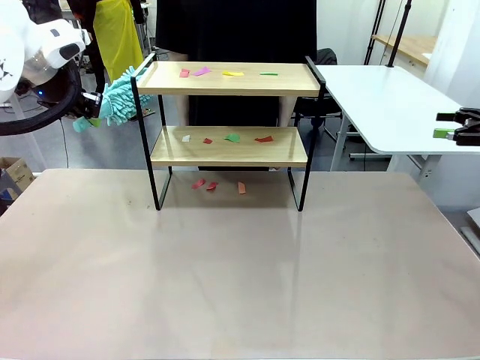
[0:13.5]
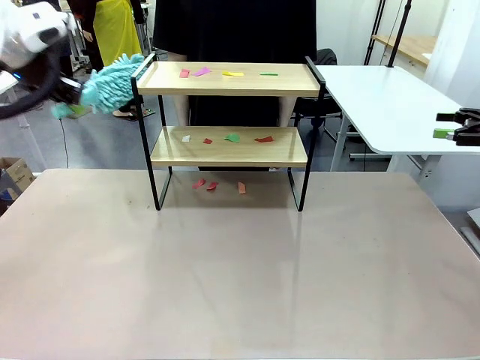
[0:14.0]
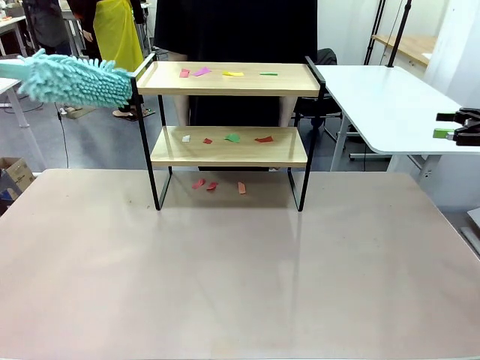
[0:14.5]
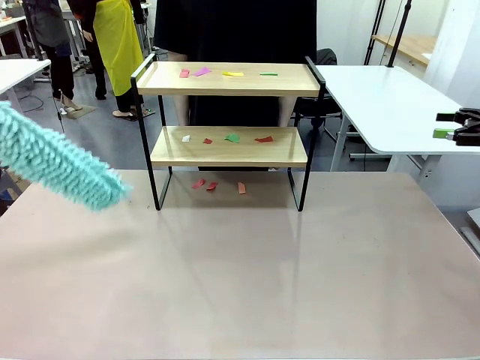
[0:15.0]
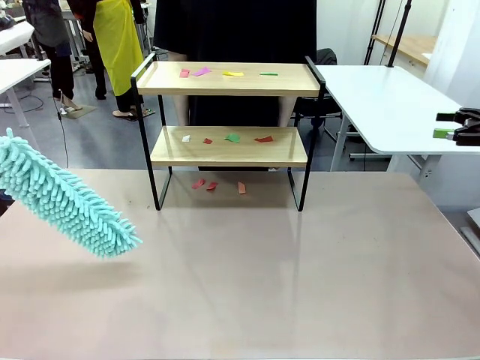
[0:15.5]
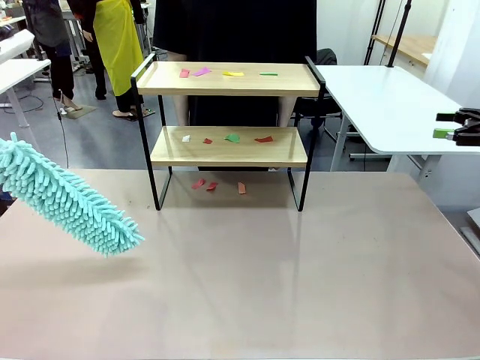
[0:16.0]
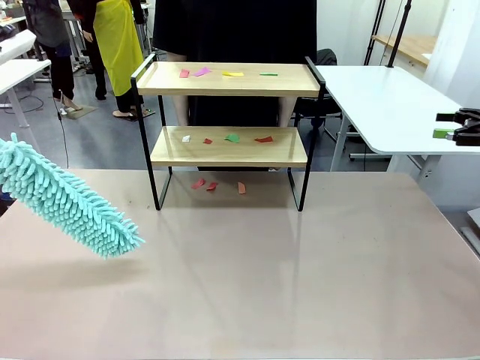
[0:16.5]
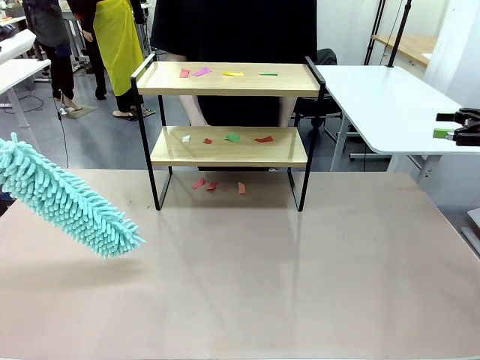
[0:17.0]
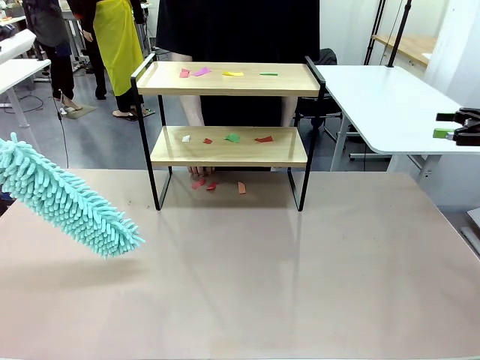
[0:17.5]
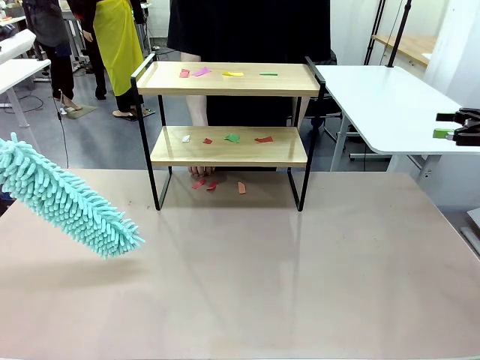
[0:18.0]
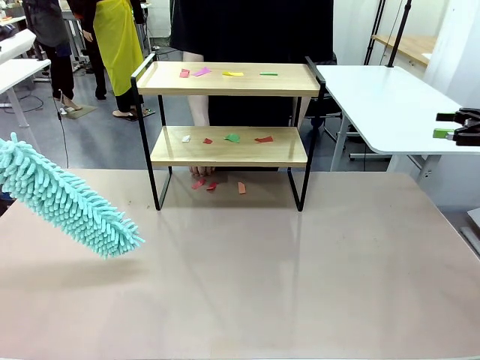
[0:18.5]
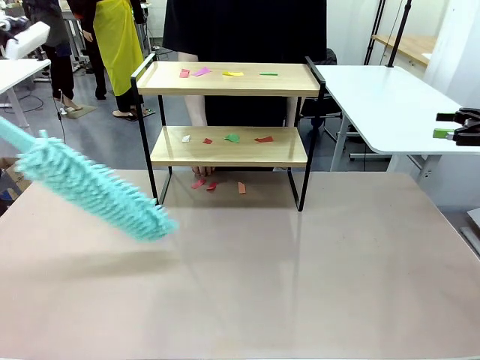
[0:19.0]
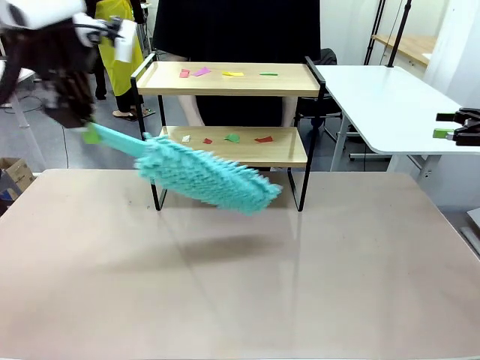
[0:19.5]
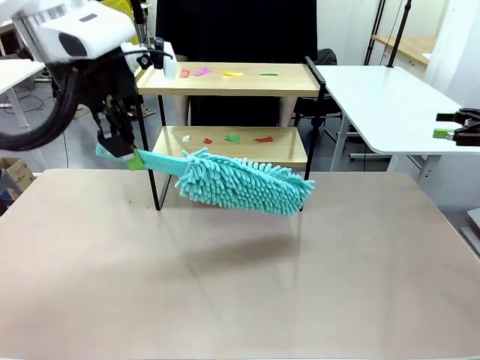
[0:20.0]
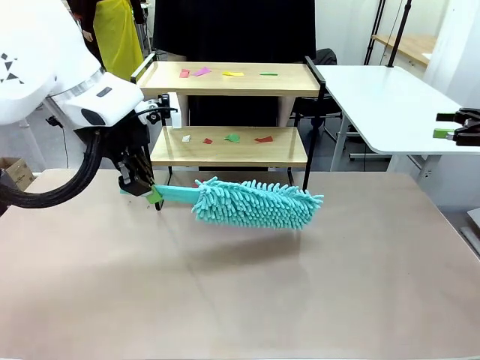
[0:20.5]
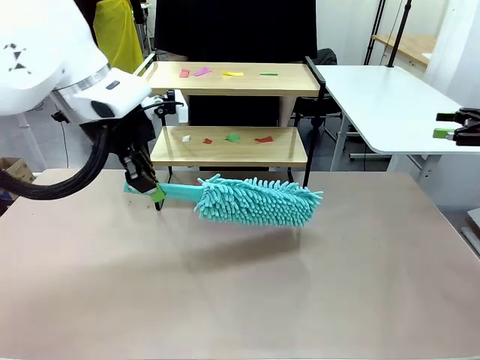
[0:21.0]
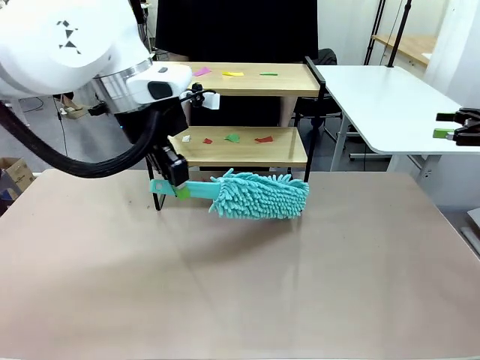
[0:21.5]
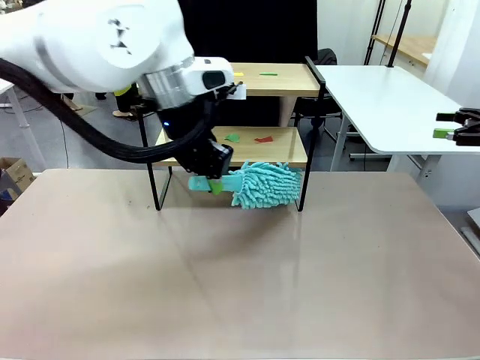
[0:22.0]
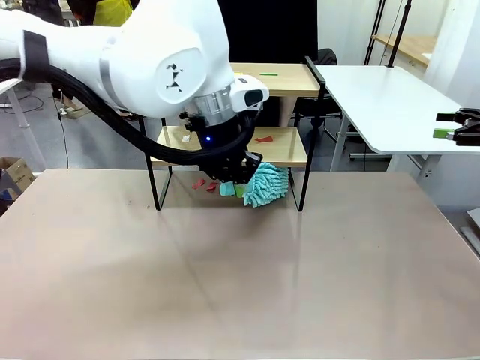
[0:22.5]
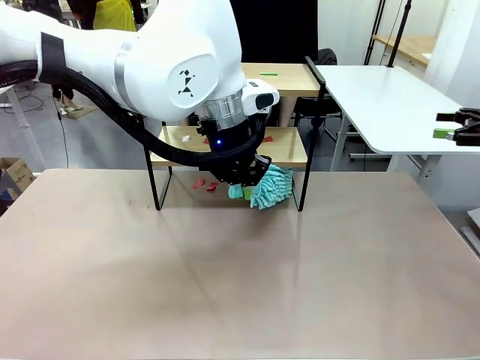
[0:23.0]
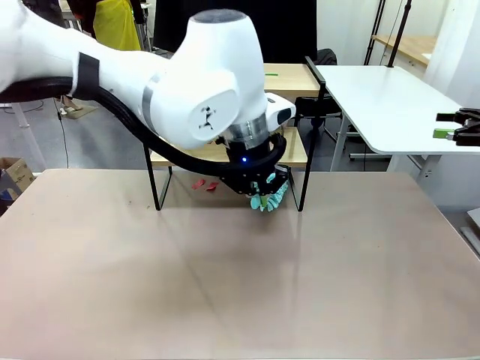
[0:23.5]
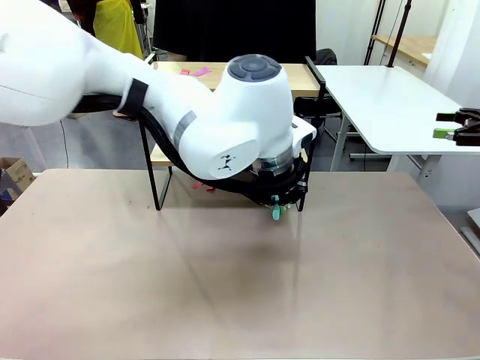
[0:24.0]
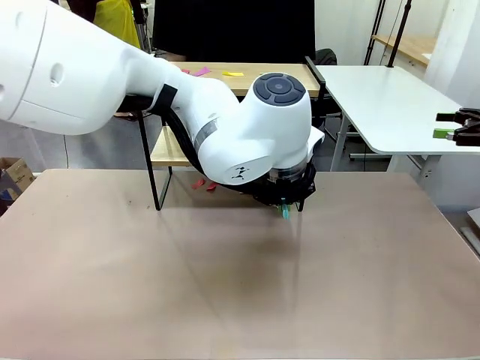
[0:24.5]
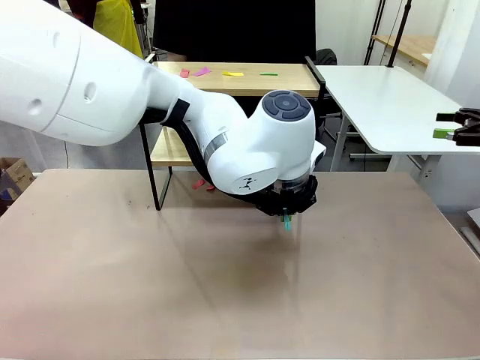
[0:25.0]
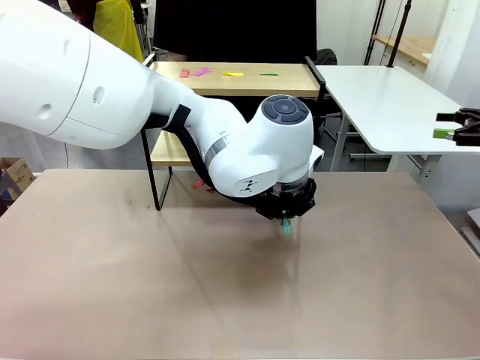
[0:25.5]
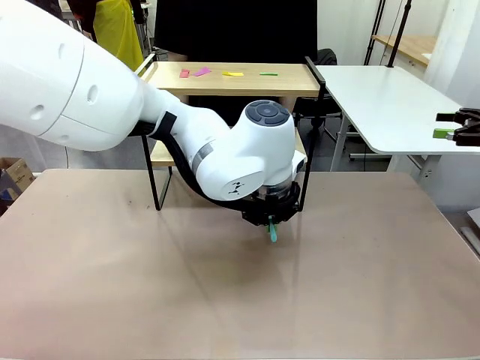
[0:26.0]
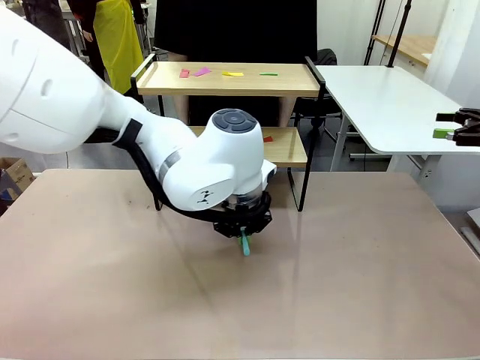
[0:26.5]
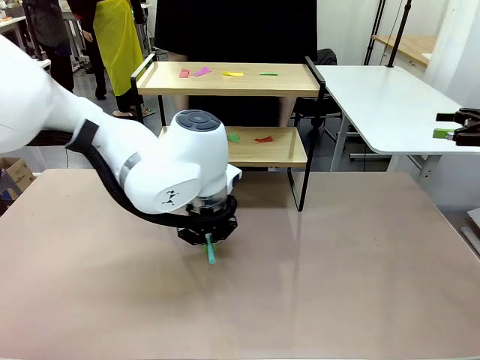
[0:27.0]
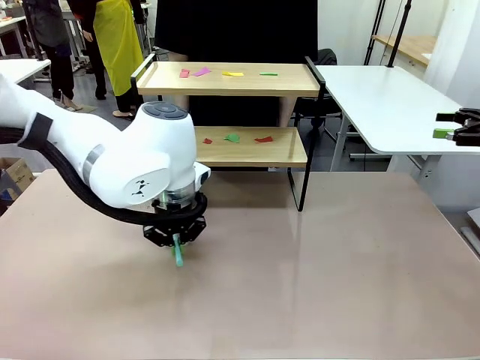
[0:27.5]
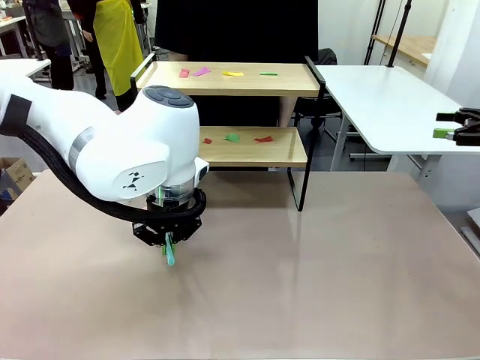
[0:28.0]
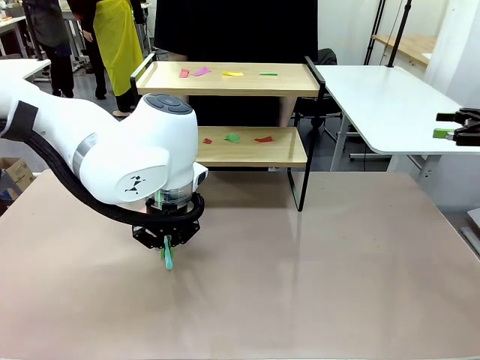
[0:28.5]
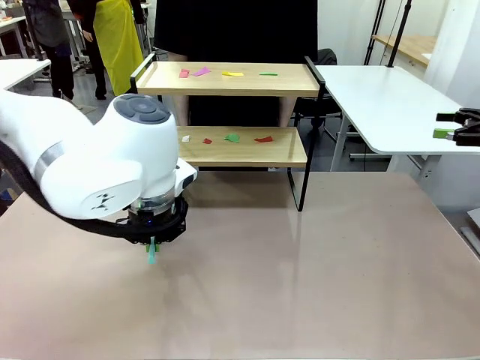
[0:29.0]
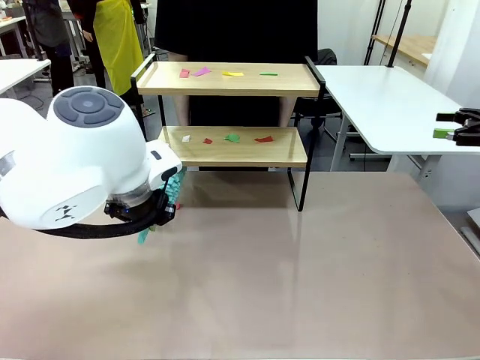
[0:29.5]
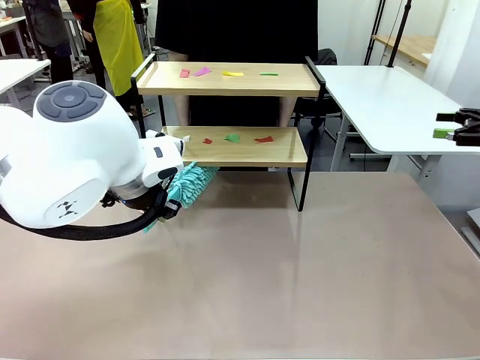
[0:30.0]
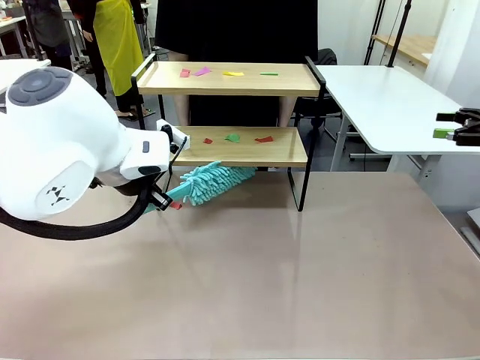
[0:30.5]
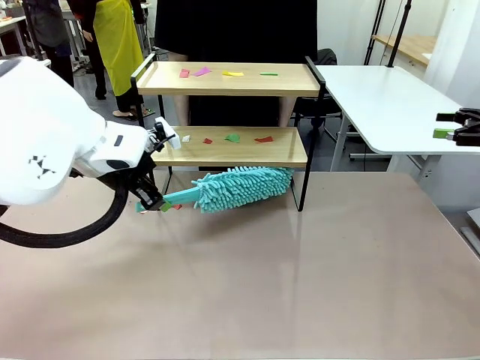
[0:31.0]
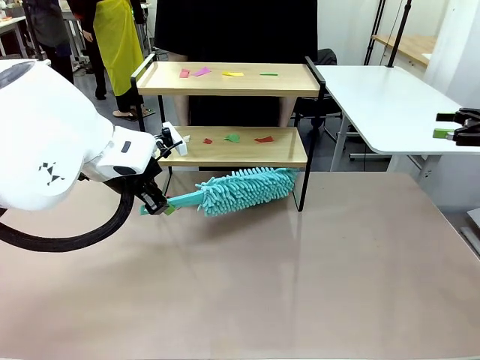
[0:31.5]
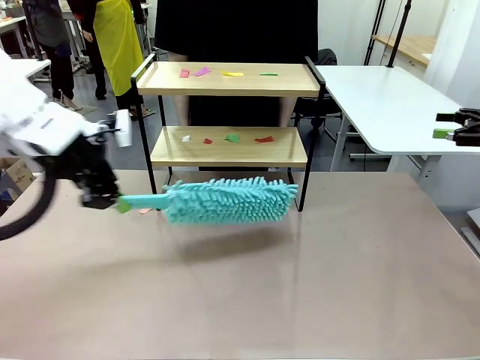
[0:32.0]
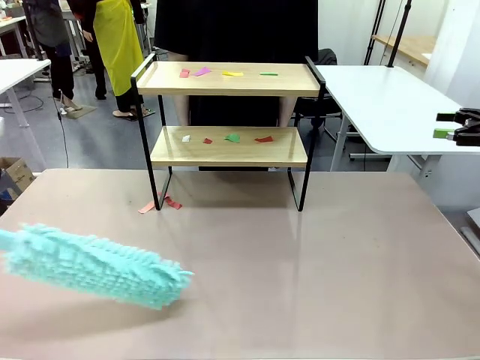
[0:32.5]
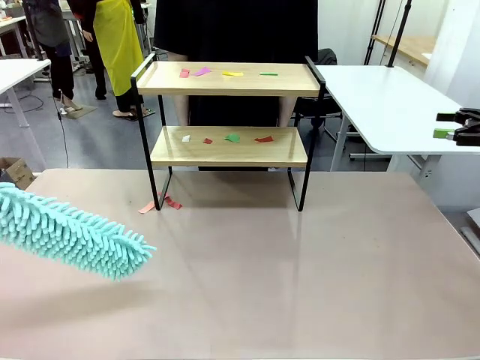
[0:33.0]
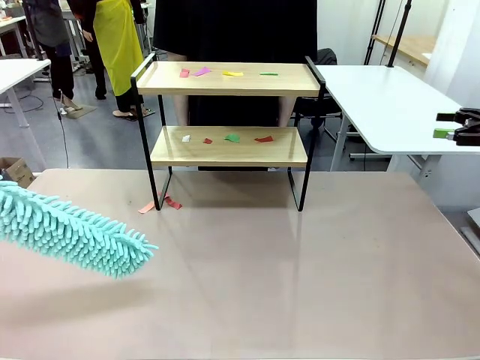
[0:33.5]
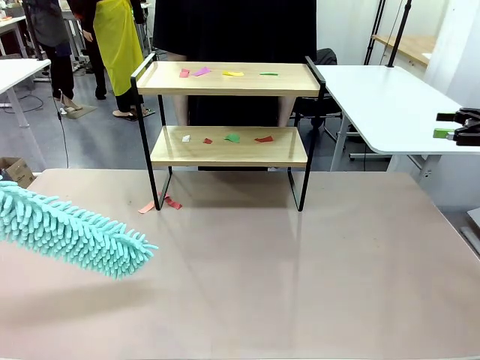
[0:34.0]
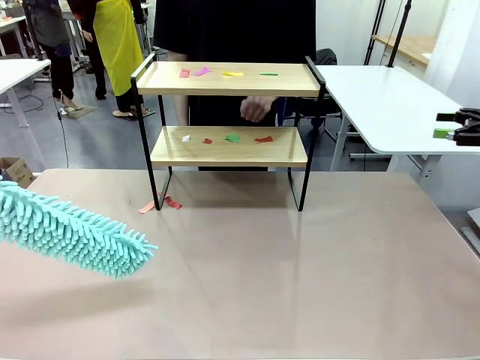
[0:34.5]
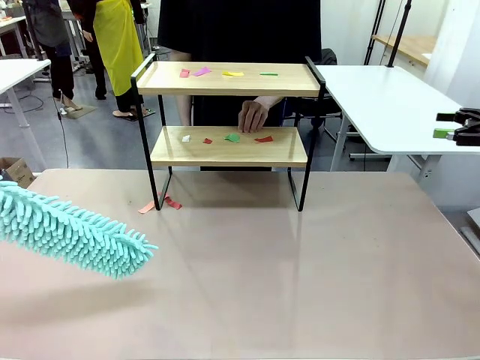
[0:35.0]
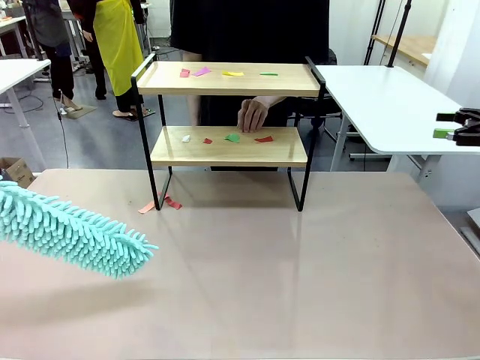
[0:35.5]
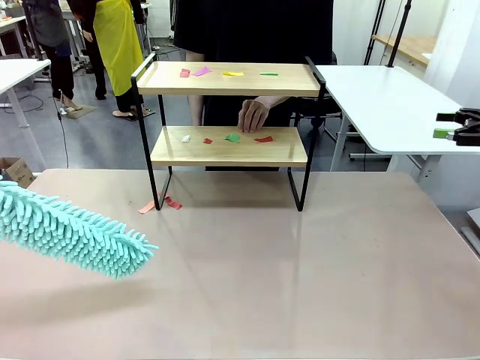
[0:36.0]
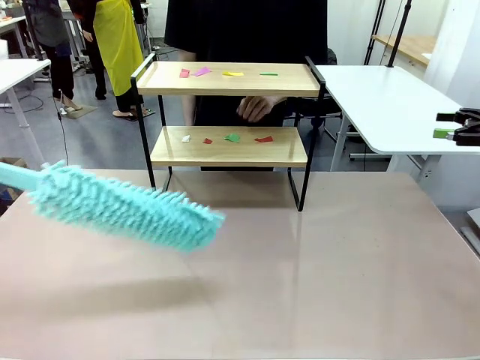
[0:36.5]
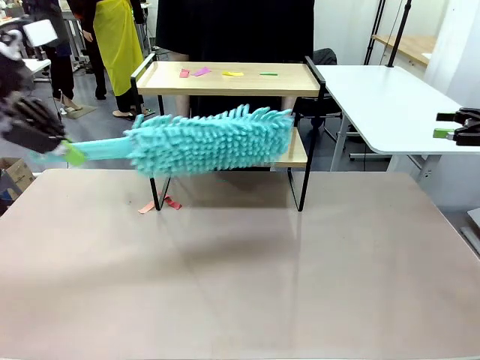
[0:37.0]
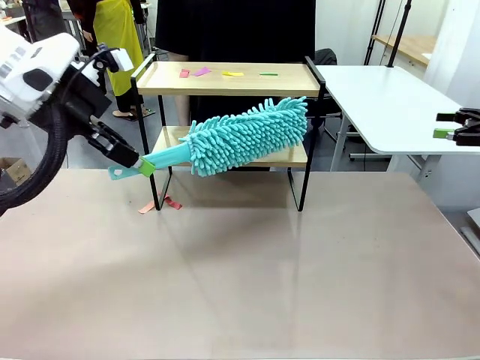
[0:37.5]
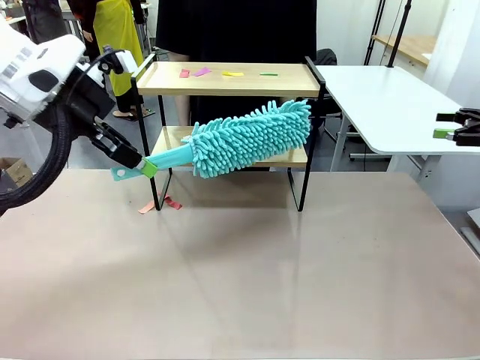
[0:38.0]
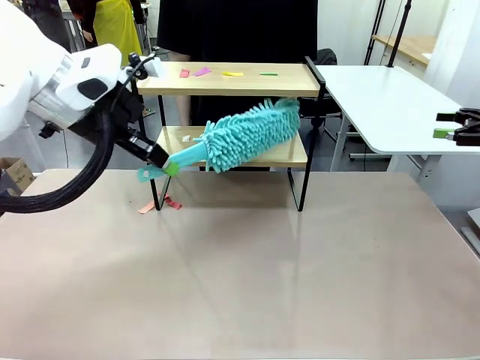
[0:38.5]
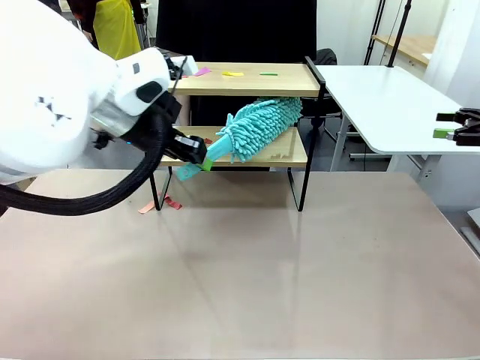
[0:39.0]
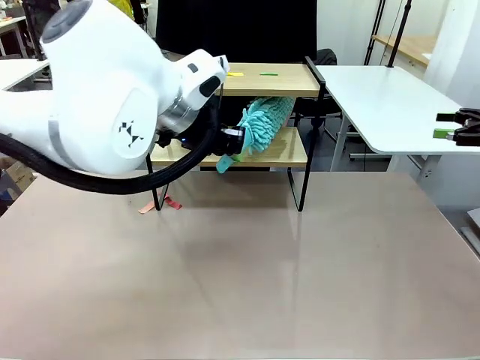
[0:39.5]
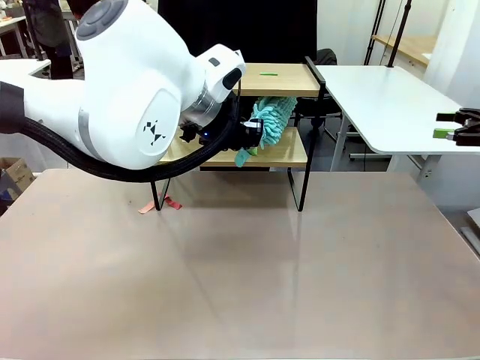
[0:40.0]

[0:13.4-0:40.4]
Task: Clean the shelf.
Robot: Clean the specific section of the Shelf indicated by the human with the Duster.
Person: Point a random section of the Shelf.
